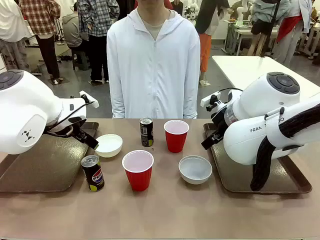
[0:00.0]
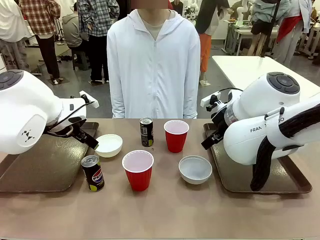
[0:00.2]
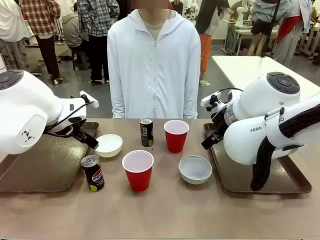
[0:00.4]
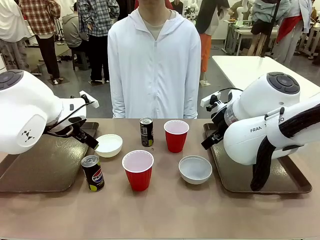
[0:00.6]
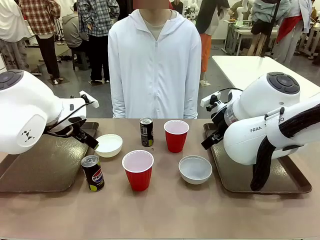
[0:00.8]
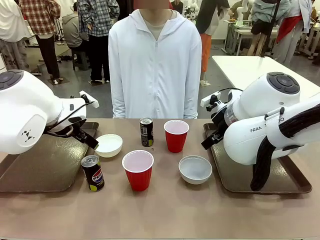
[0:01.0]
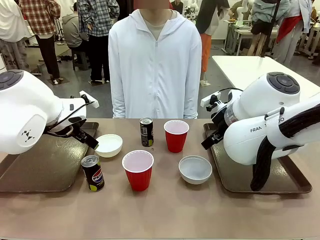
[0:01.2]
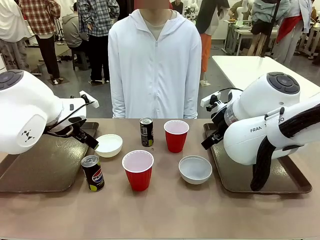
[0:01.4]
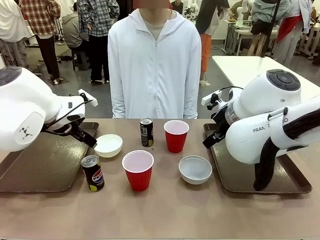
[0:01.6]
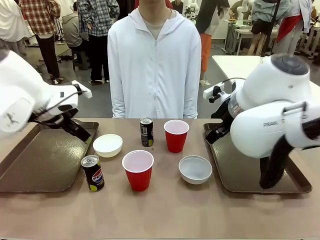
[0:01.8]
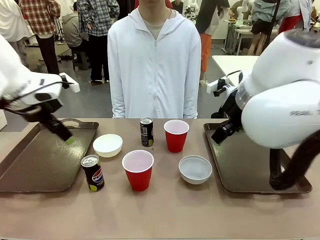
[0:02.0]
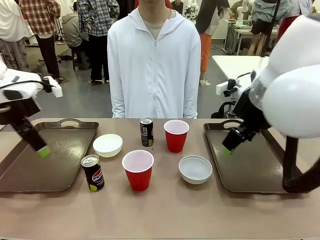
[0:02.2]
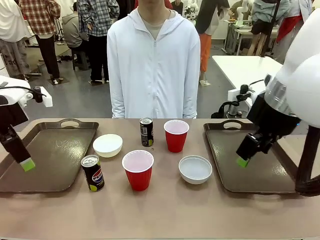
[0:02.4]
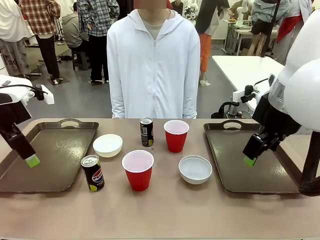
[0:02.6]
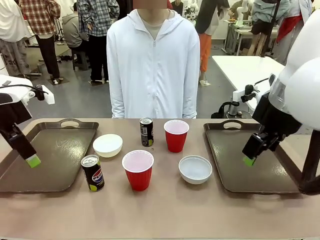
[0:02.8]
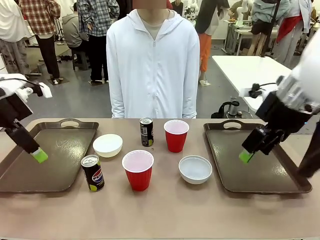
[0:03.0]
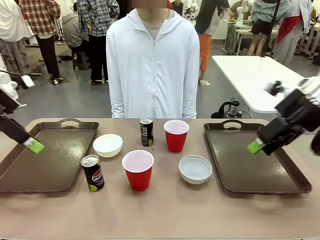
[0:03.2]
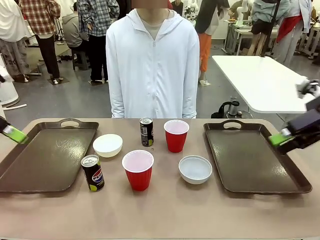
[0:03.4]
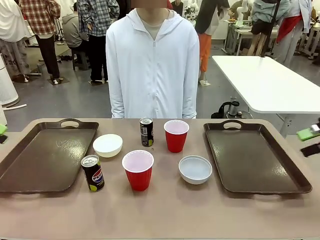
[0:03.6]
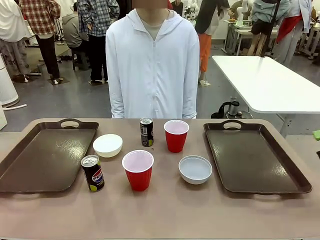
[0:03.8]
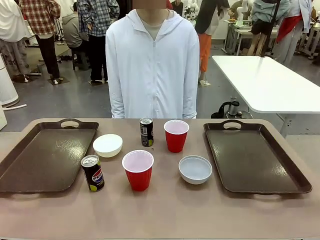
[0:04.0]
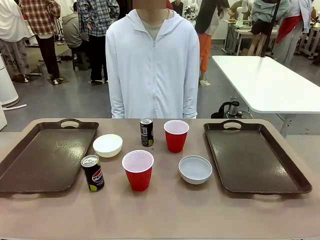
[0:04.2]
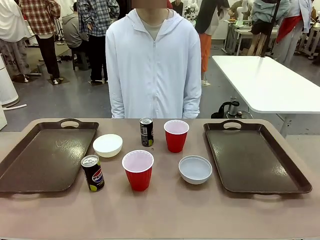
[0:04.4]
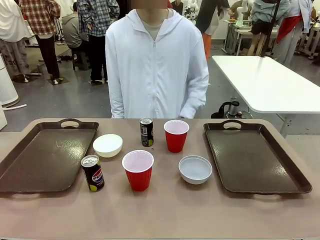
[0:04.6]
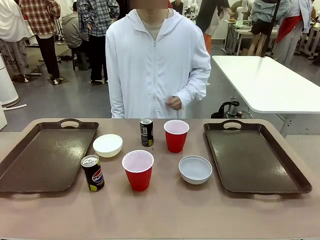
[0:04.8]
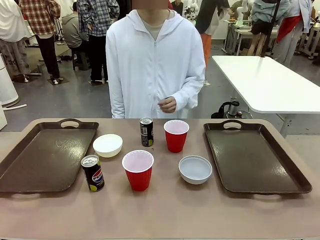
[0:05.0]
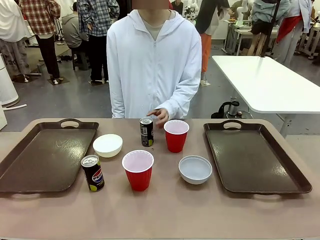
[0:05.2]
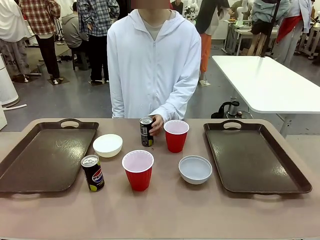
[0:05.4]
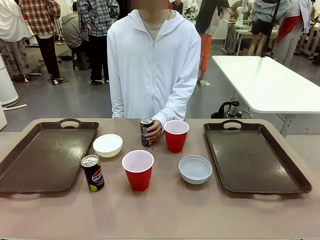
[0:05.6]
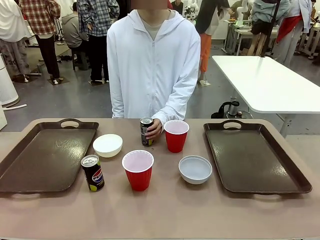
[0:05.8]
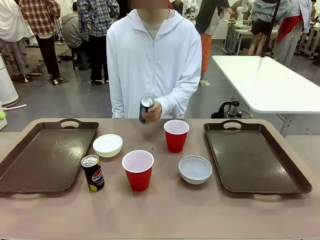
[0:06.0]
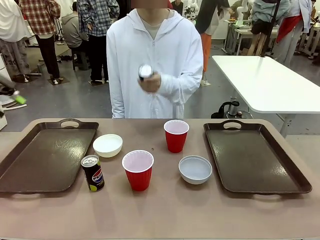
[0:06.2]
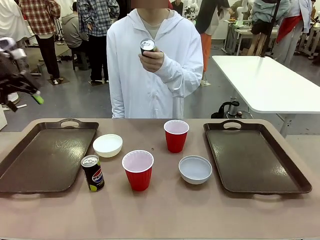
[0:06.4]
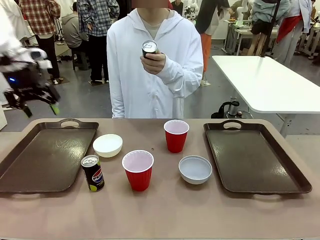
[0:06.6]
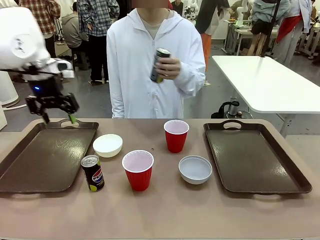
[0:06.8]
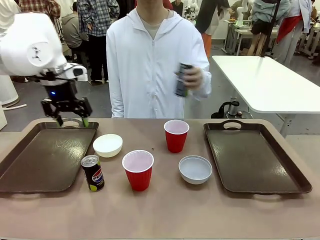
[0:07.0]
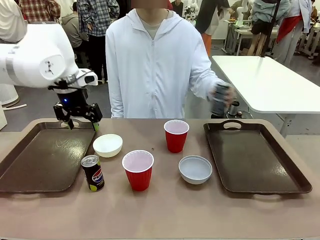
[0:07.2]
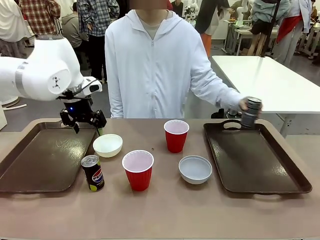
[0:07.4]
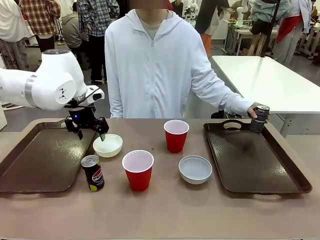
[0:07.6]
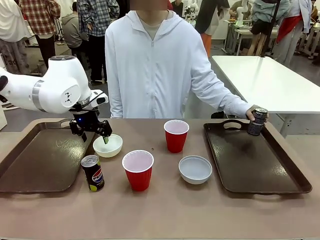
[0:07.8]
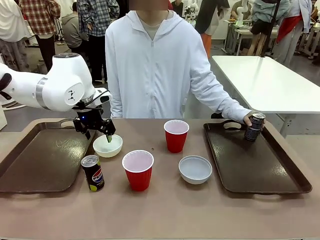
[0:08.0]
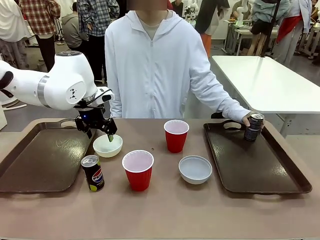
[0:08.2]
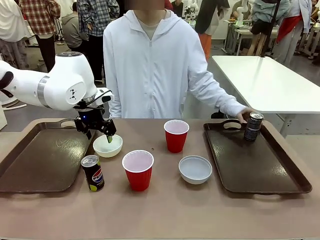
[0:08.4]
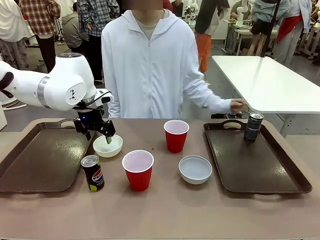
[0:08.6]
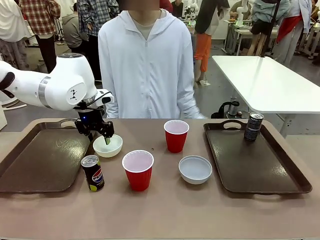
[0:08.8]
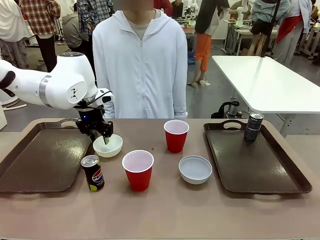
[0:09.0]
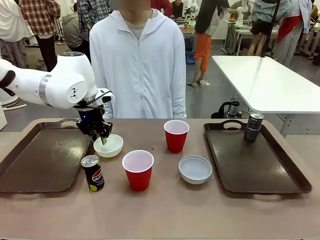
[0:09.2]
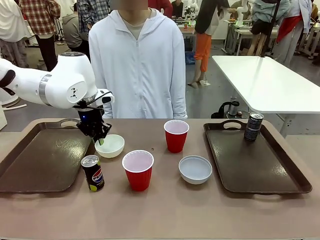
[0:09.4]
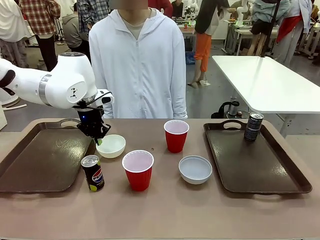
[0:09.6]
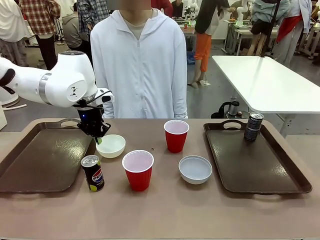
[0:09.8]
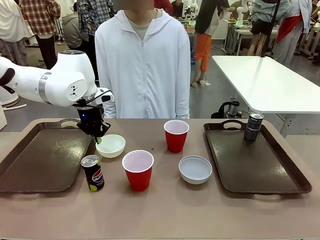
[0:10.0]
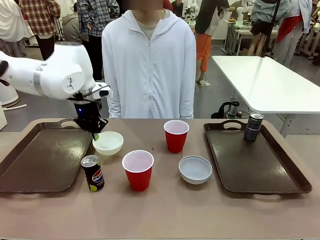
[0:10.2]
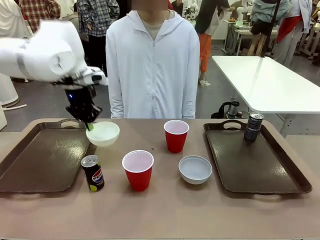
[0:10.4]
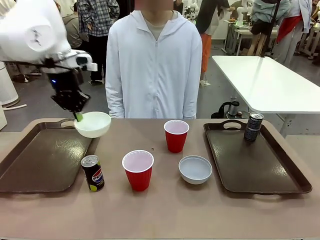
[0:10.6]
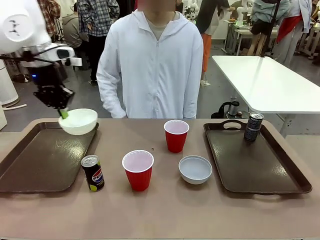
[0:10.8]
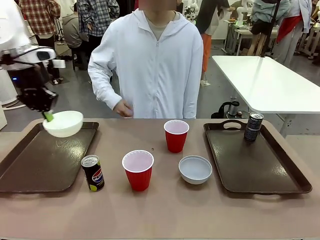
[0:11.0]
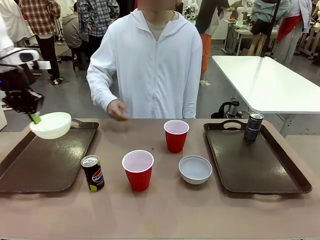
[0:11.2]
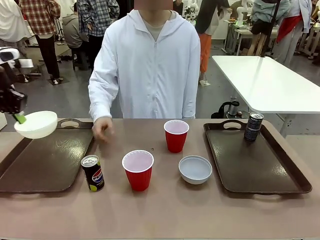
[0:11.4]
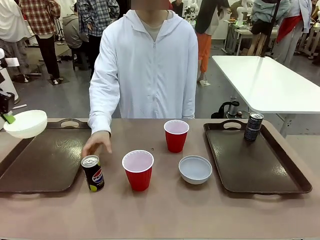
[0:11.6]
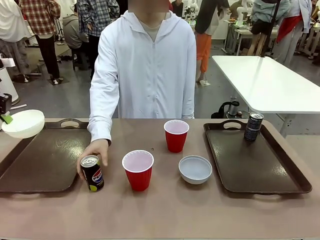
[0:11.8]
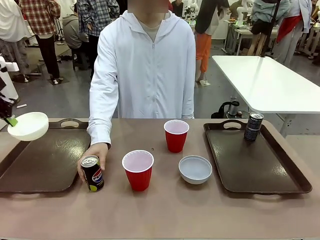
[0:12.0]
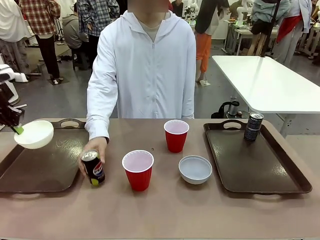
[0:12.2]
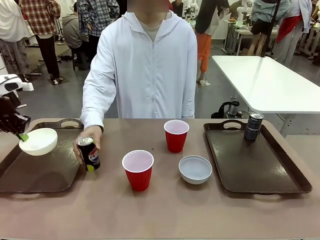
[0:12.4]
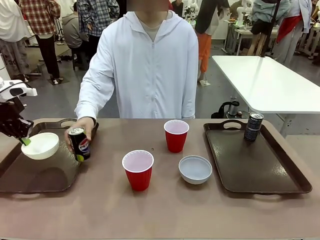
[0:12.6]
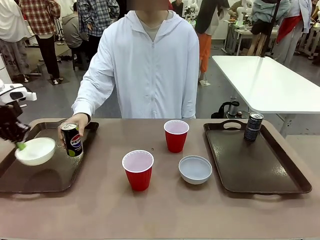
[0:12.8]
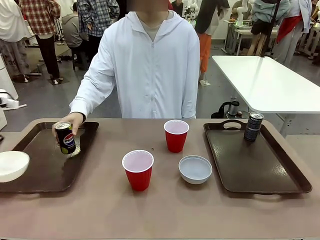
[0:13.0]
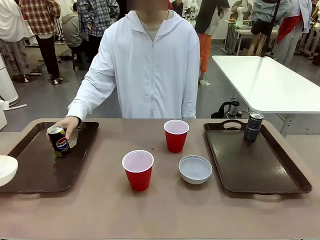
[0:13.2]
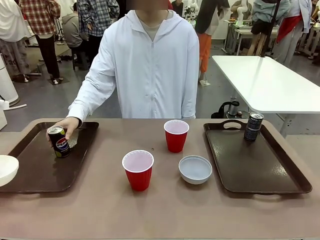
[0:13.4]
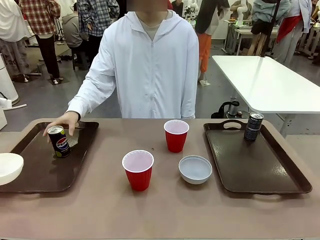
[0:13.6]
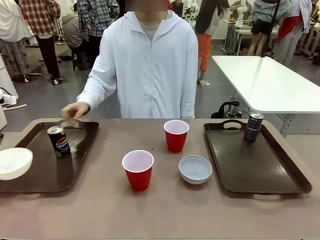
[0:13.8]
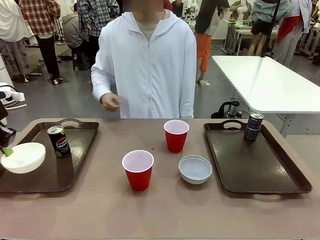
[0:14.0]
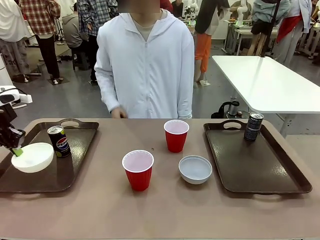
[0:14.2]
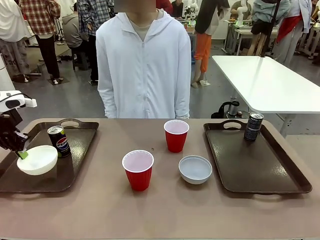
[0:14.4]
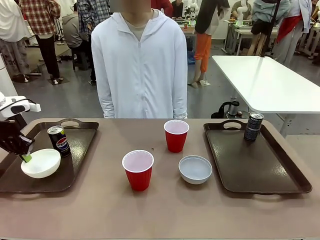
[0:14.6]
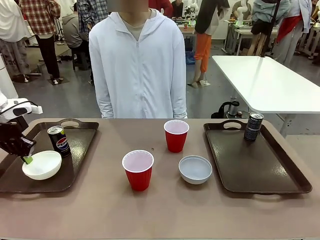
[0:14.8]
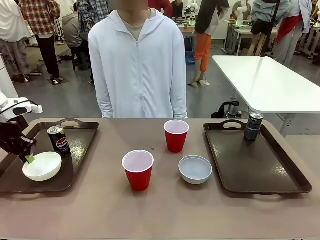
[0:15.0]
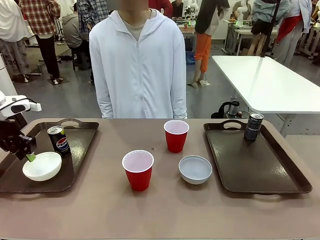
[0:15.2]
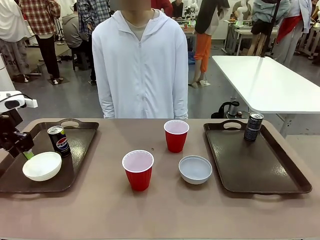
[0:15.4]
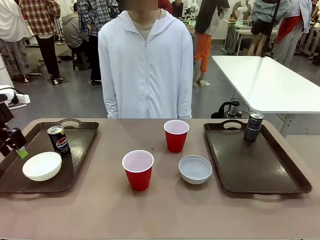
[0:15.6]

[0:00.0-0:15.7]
Task: Prepare tableware on both trays.
Robot: Pick up a Picnic Bowl from the table and place it on a Handle tray.
Person: Pick up a can or cup and place it on the tray.

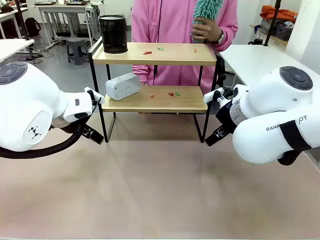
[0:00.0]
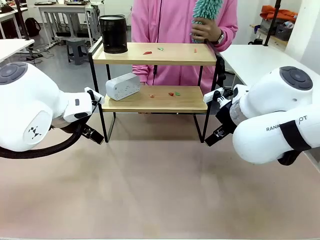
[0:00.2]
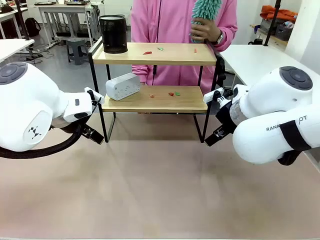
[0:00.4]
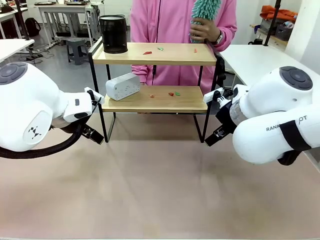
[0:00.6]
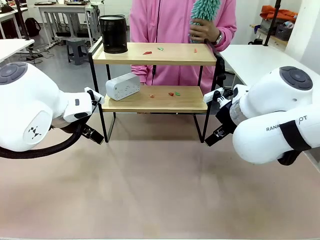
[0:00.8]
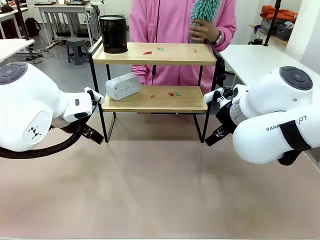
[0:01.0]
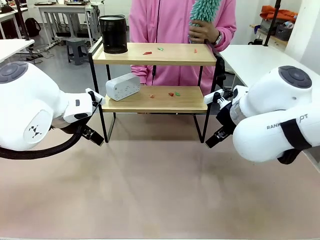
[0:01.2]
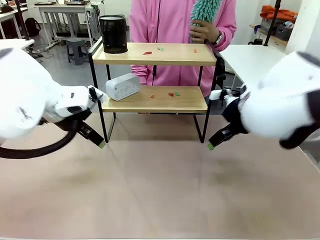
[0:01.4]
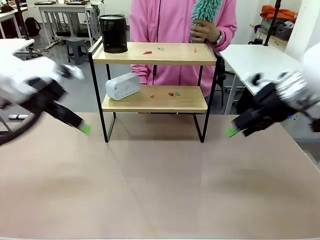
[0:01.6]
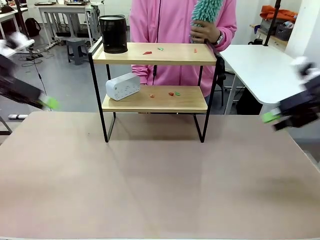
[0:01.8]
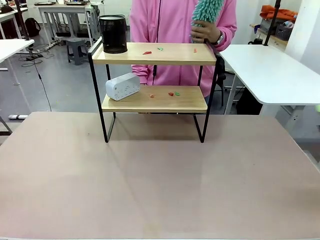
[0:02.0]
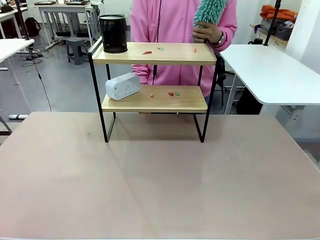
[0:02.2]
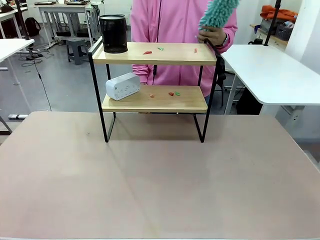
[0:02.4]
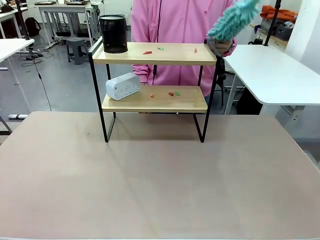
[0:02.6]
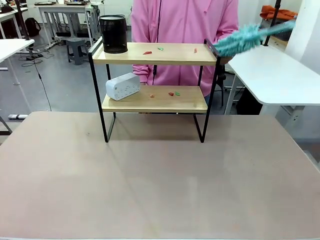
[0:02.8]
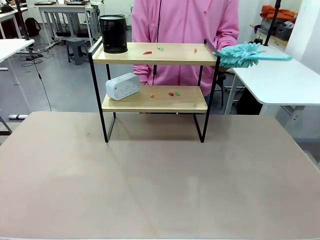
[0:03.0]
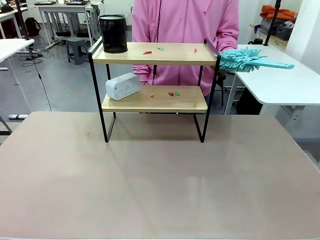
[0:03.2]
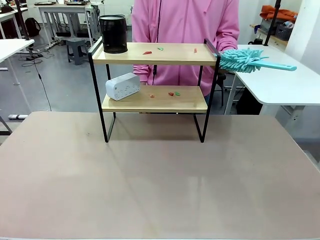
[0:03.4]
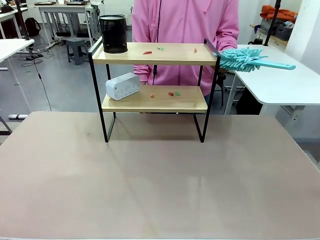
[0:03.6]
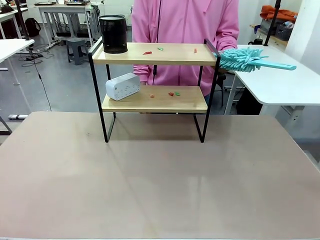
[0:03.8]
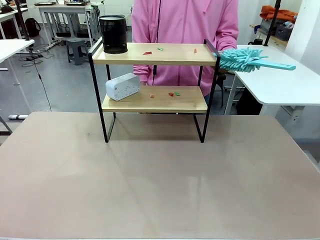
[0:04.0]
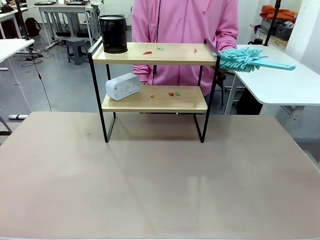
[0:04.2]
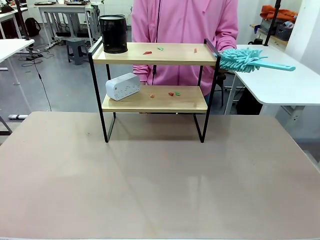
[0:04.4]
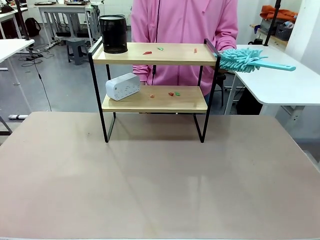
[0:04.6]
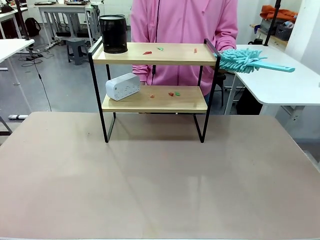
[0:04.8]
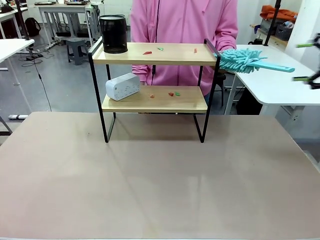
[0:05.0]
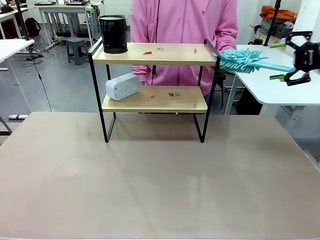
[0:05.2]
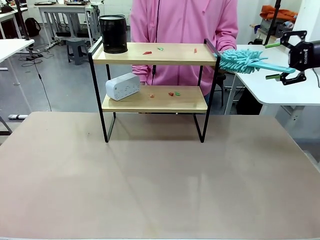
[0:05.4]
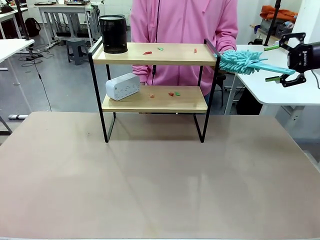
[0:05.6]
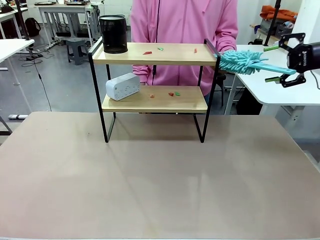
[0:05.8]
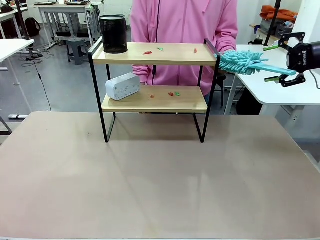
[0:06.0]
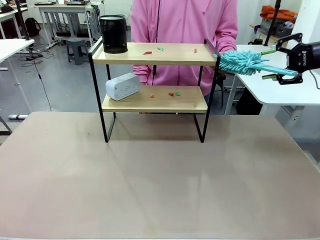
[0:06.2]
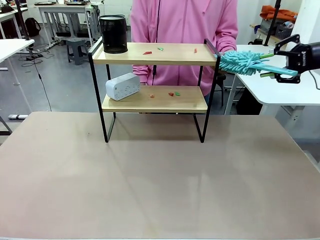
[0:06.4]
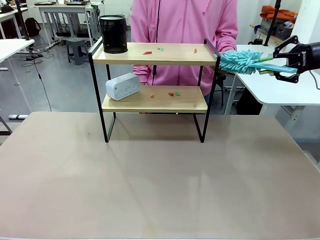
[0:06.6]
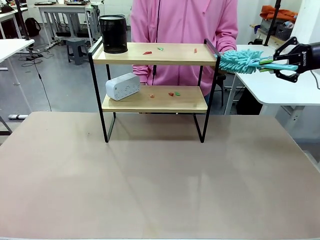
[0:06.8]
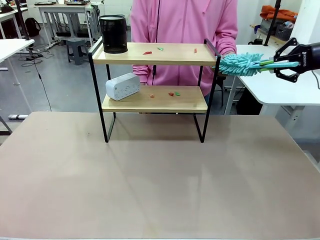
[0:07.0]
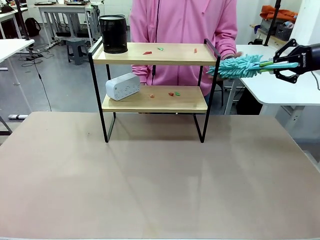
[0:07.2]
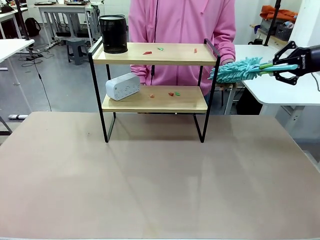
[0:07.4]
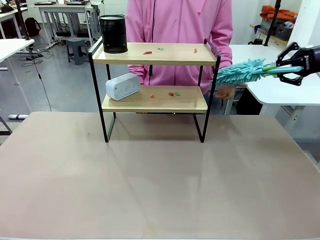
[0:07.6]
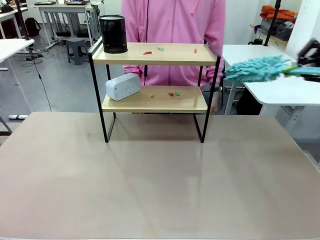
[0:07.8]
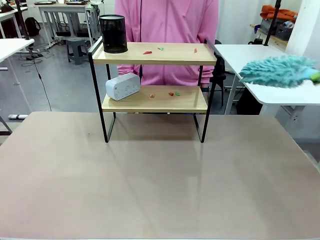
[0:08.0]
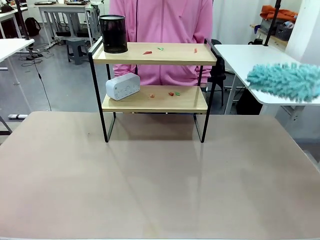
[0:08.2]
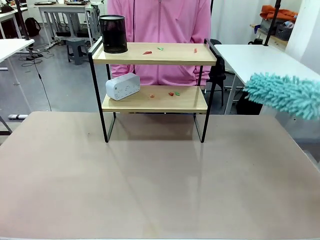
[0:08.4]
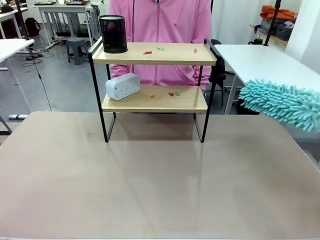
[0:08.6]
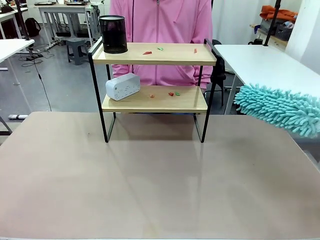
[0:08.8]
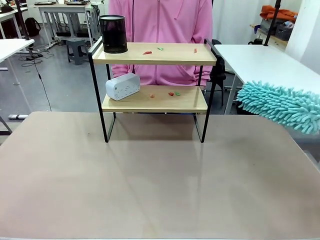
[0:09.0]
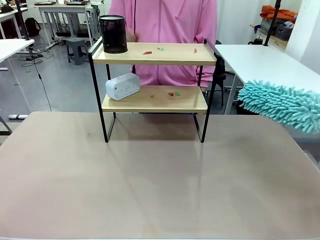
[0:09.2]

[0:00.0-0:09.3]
Task: Clean the shelf.
Robot: Pick up the Duster from the human.
Person: Hand the Duster to the robot.
